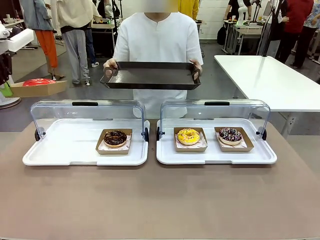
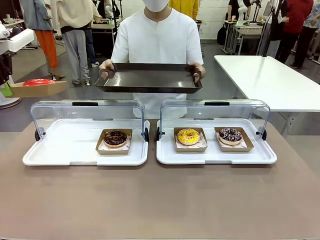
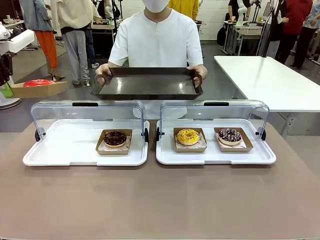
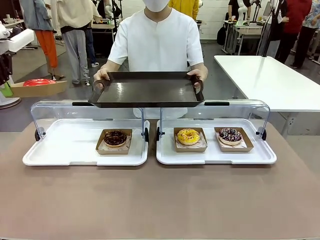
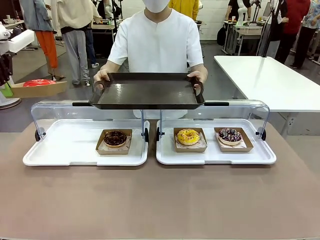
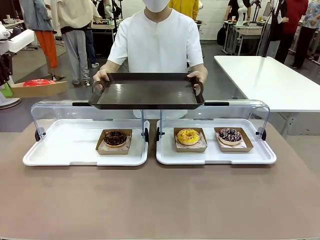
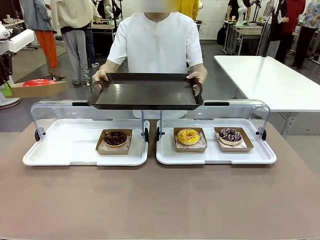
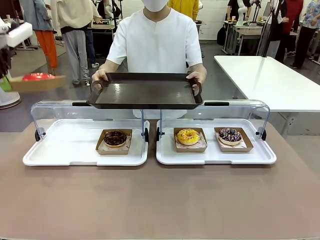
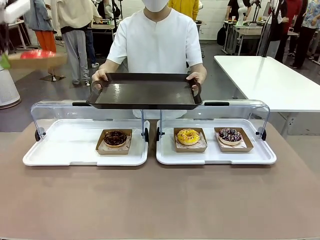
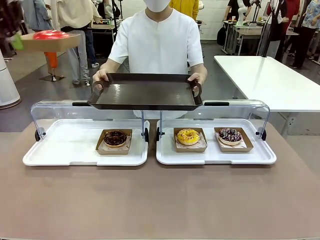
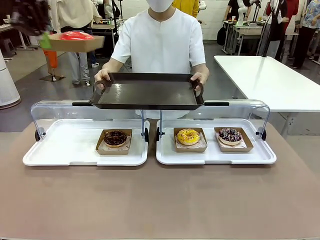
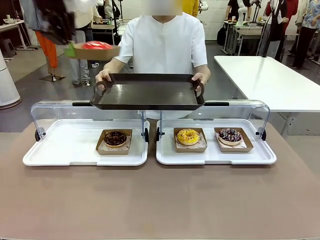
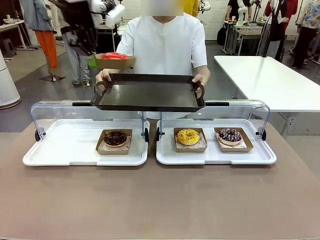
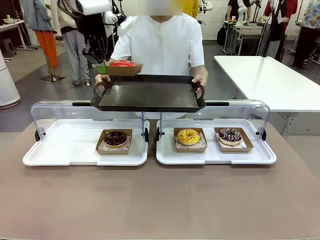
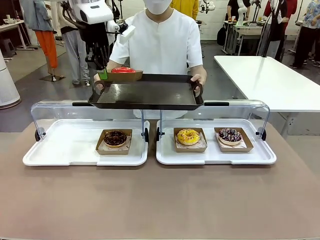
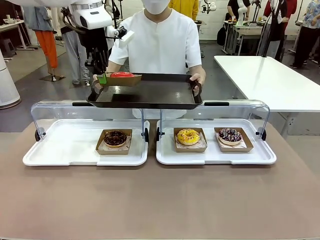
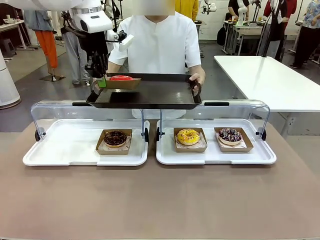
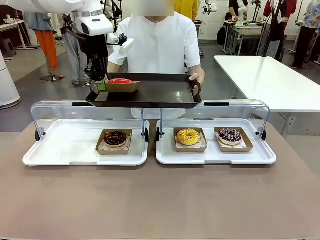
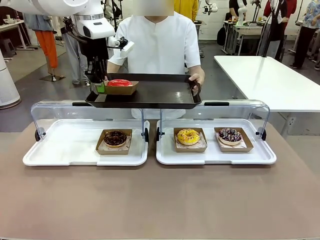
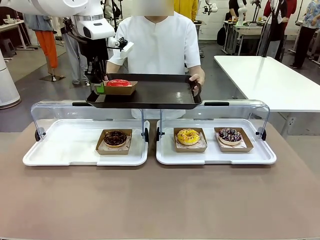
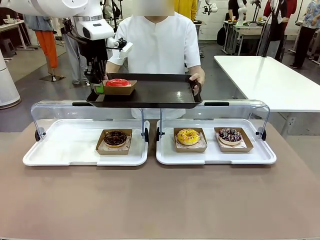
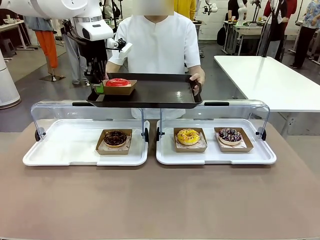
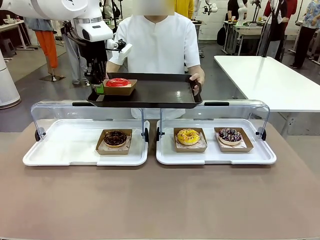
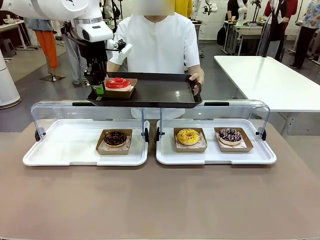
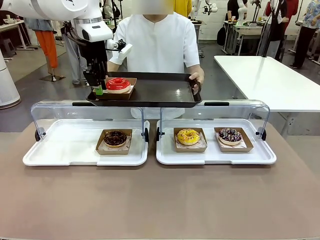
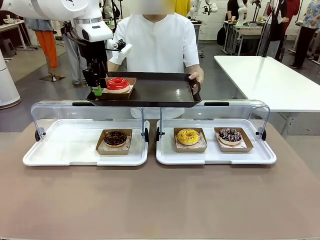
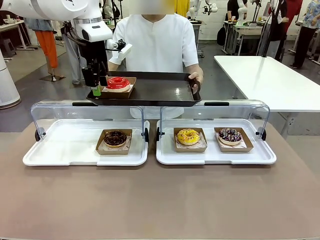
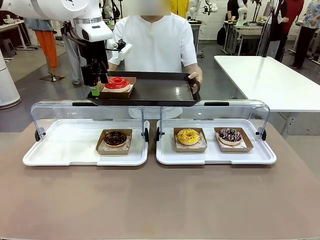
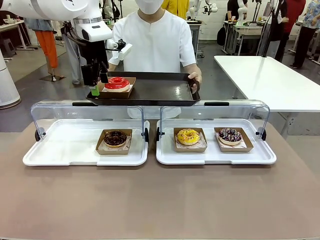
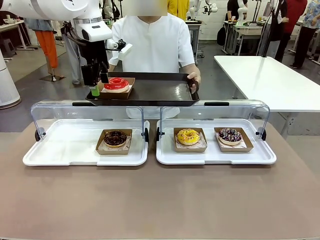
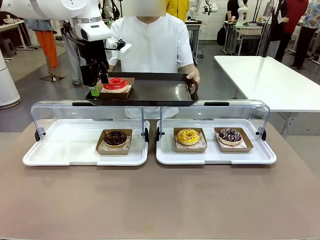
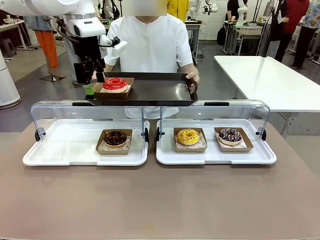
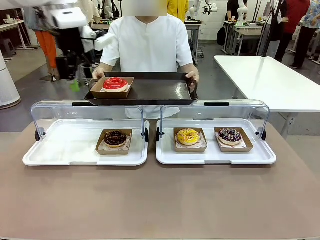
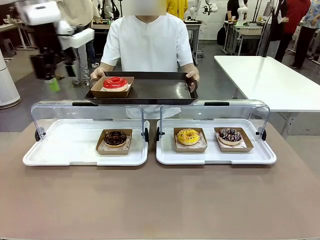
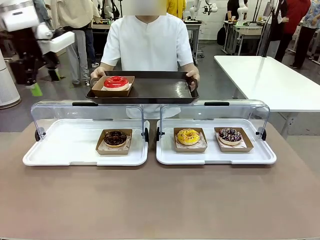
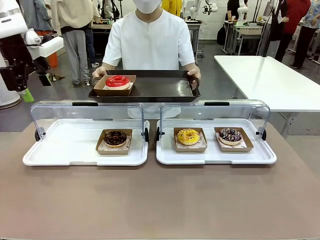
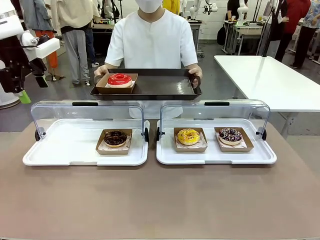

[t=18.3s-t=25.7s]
Task: Provide the desired donut to the person.
Robot: Place the picked Paper togo box onto the Handle tray extended by the person.

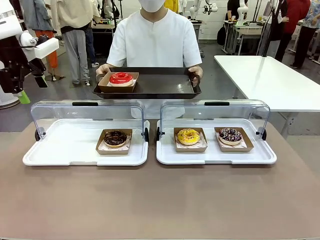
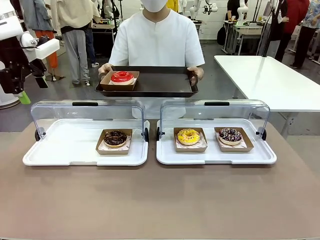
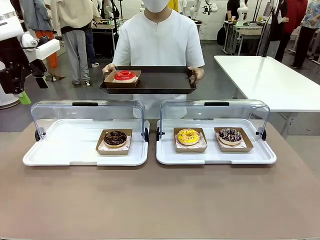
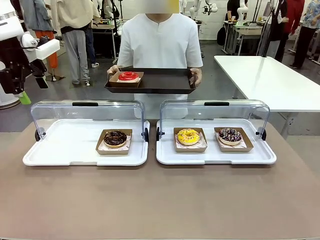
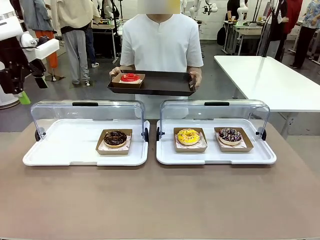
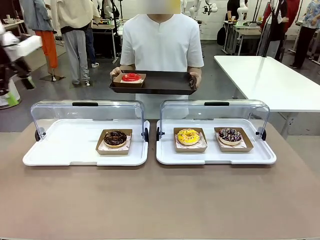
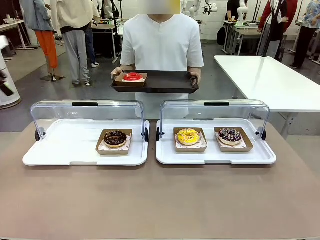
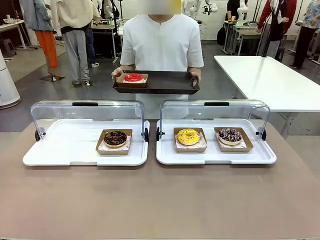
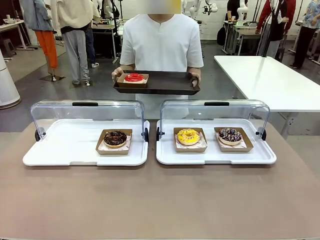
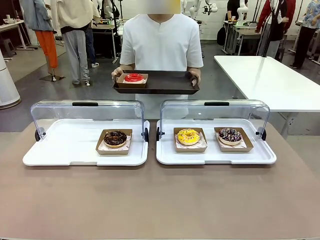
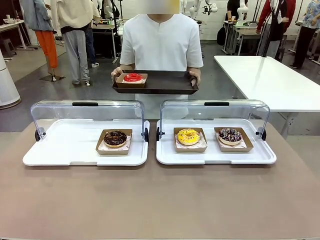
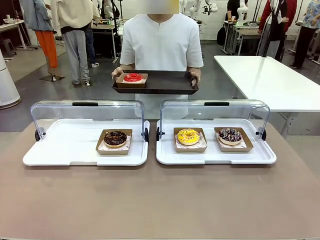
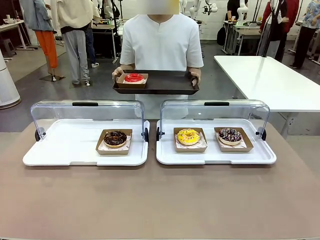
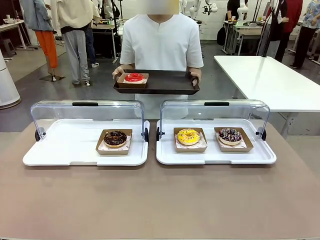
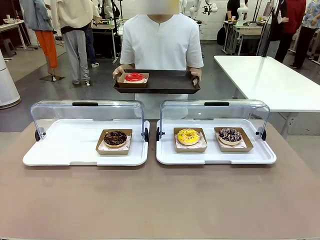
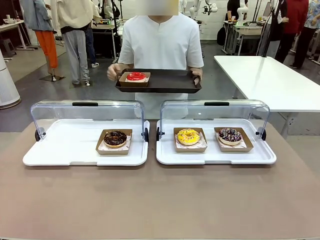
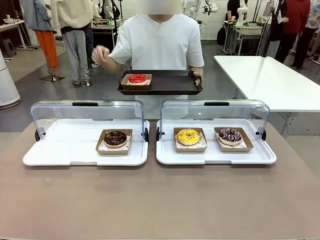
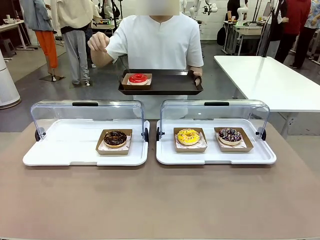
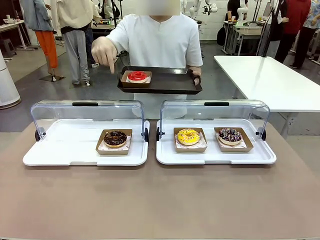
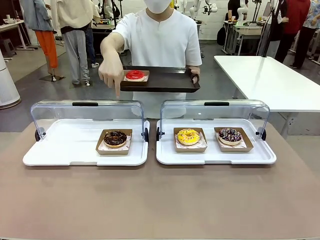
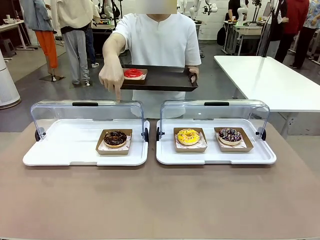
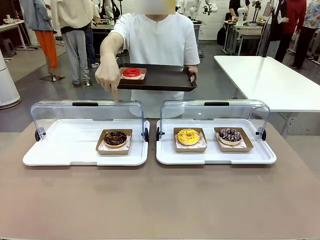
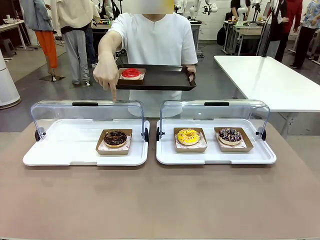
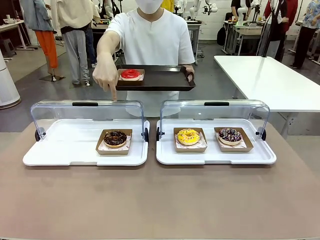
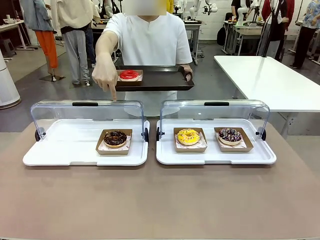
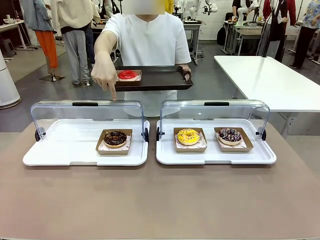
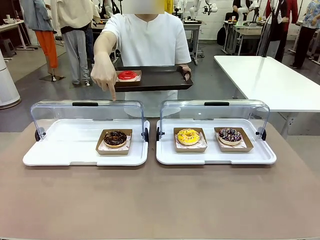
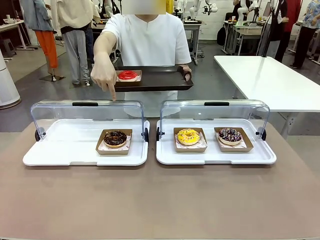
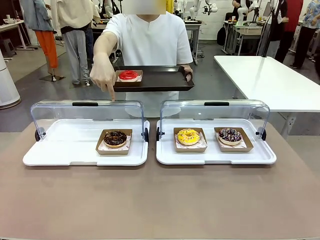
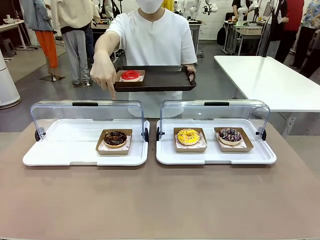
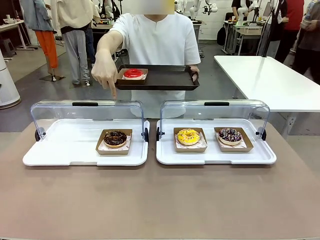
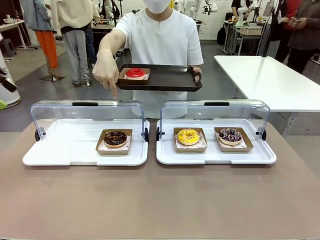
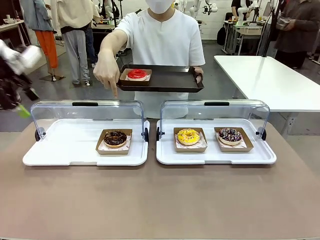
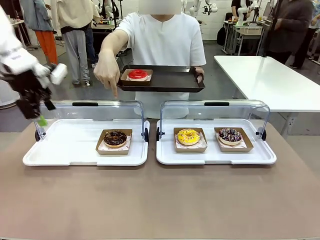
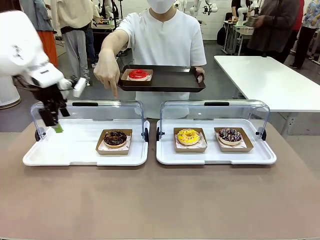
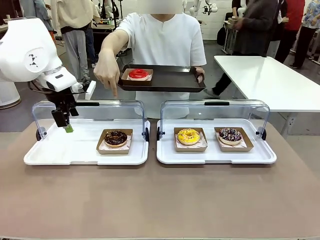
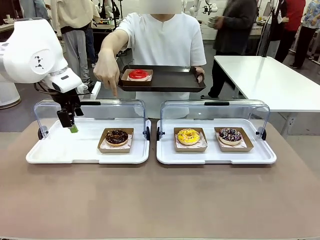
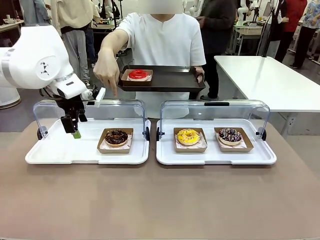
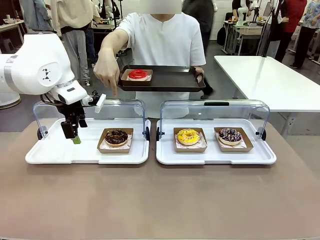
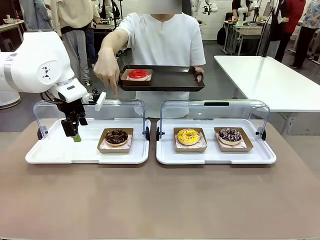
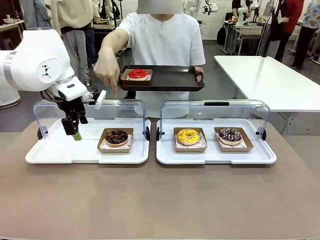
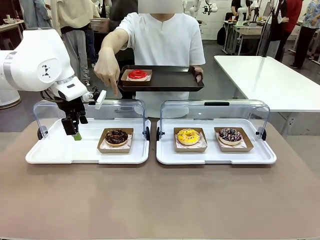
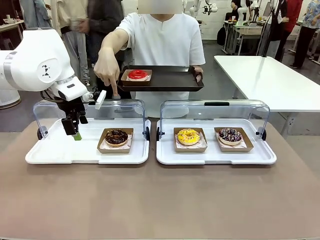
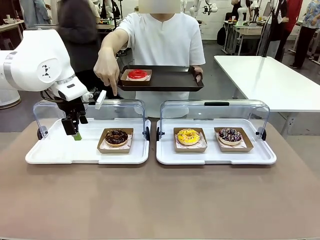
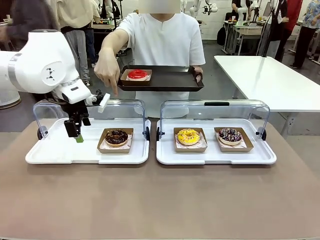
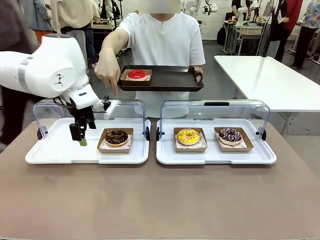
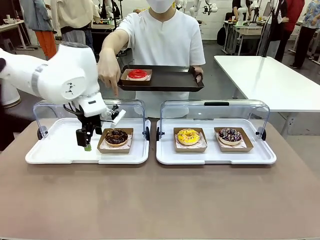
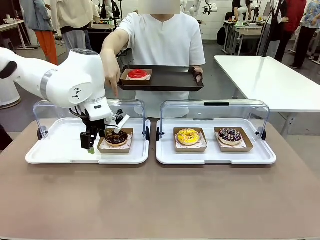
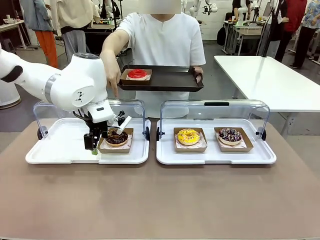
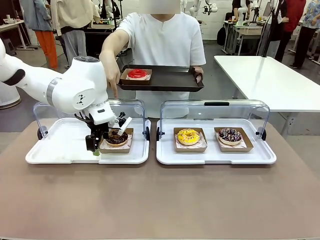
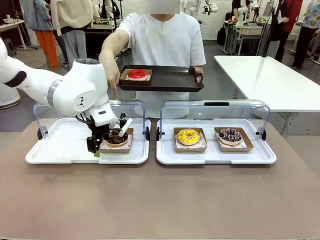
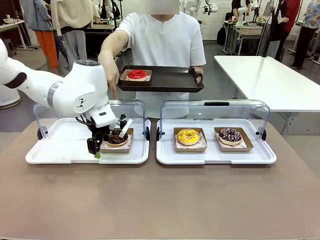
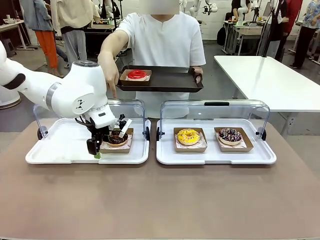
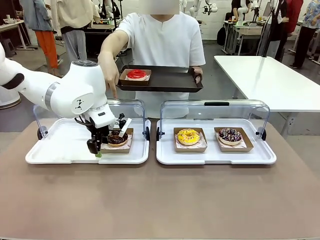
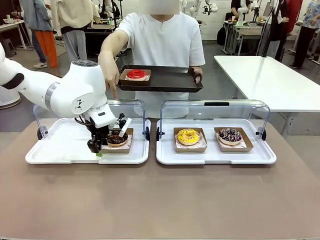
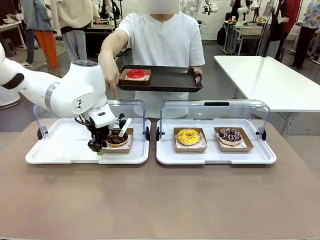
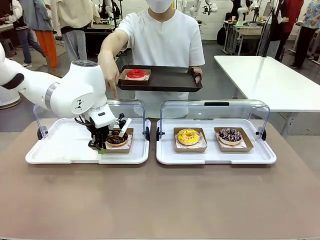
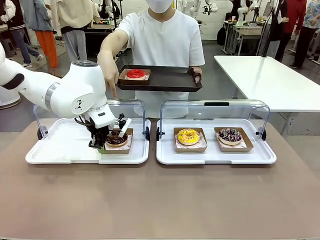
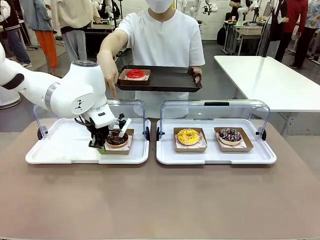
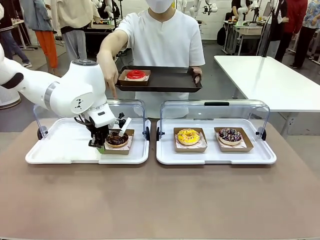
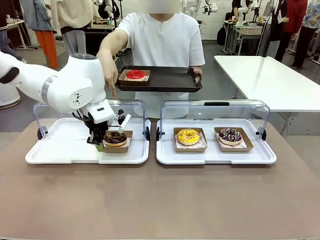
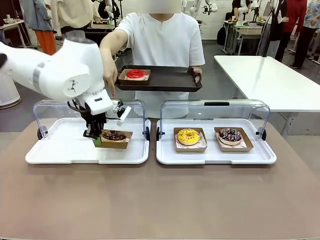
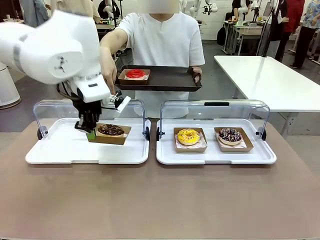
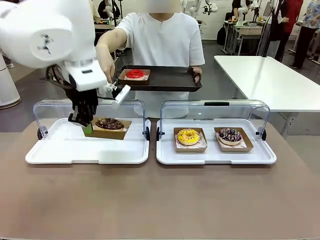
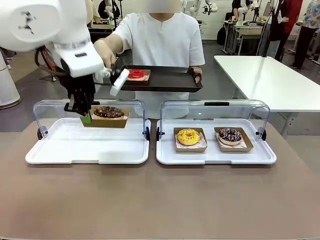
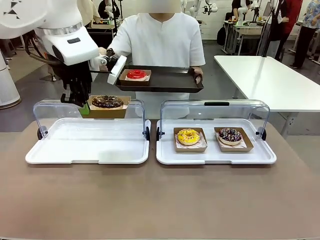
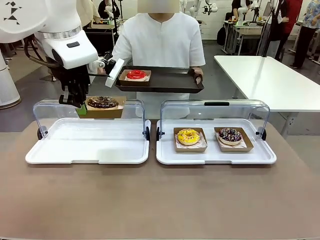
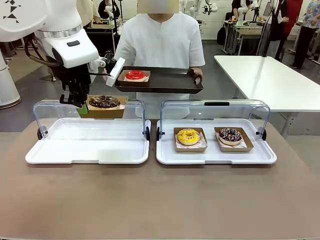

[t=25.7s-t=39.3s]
Robot: Pick up and lift the Paper togo box containing the Donut pointed at by the person.
Person: Point to one donut. Lift the tray onto the Roll-Top Bakery Case.
